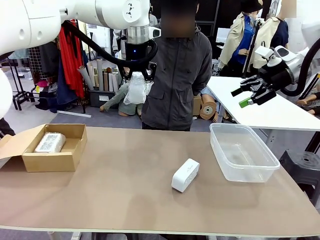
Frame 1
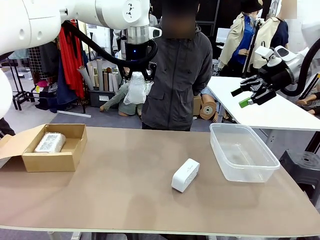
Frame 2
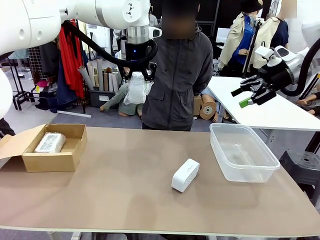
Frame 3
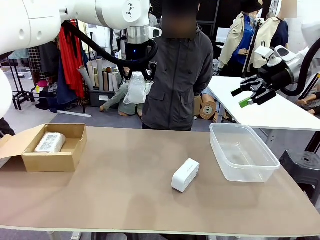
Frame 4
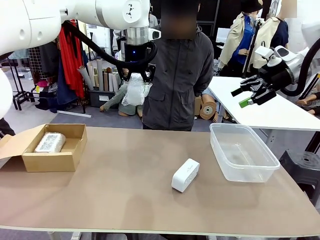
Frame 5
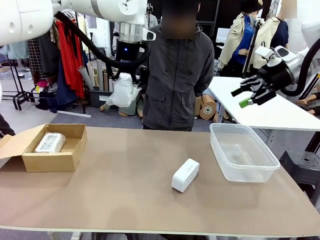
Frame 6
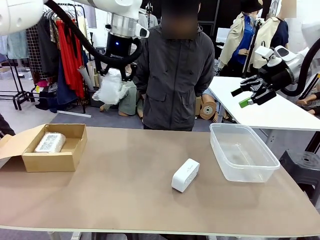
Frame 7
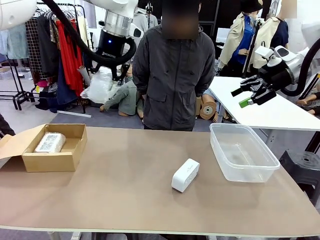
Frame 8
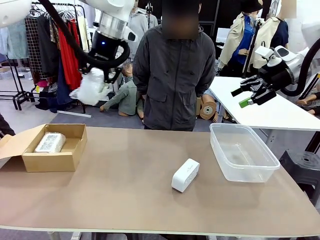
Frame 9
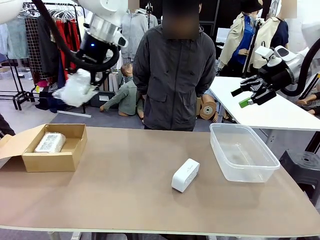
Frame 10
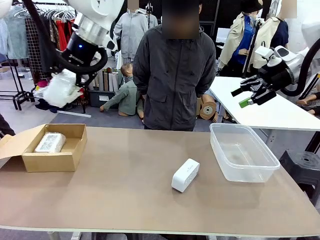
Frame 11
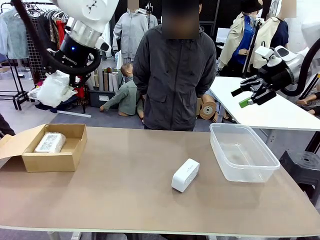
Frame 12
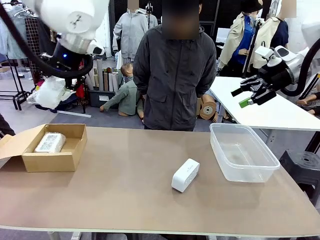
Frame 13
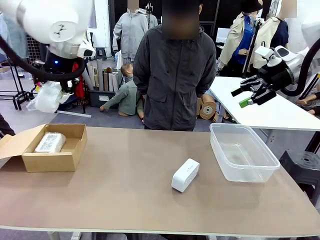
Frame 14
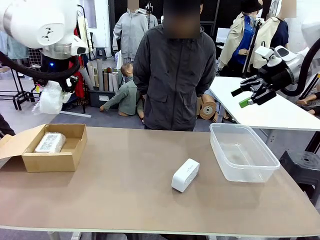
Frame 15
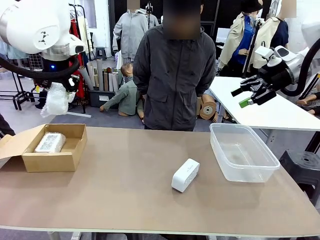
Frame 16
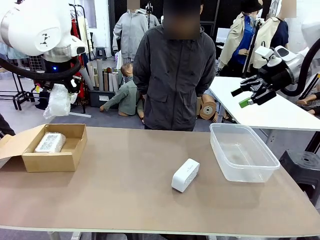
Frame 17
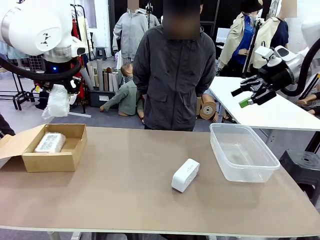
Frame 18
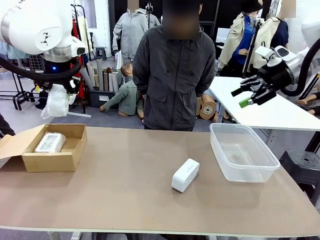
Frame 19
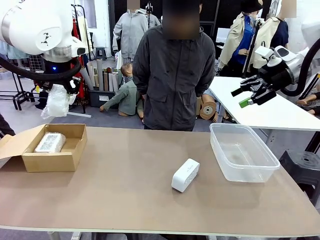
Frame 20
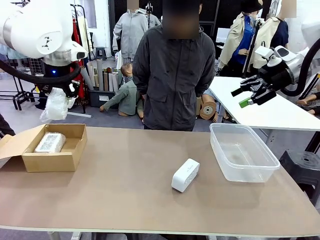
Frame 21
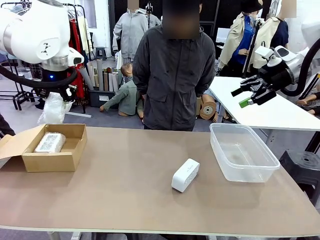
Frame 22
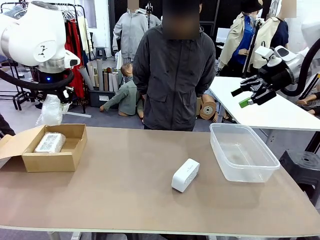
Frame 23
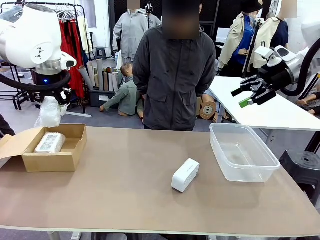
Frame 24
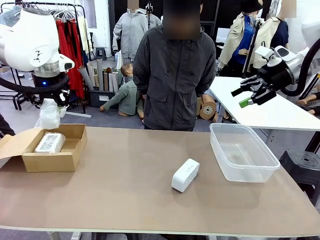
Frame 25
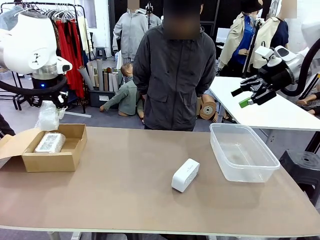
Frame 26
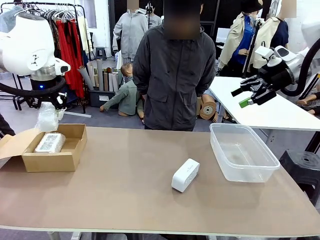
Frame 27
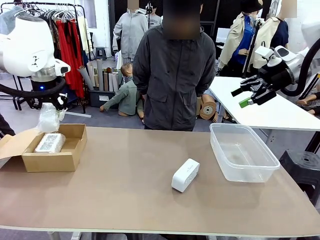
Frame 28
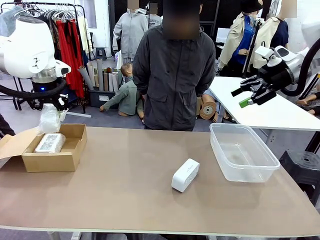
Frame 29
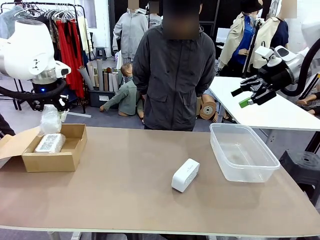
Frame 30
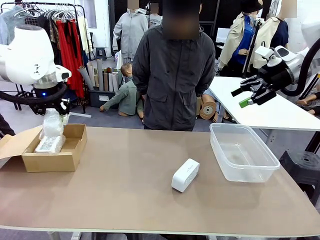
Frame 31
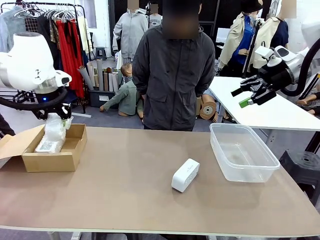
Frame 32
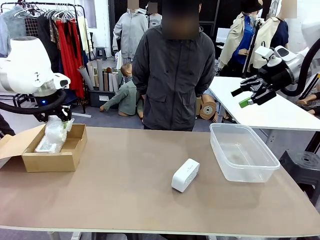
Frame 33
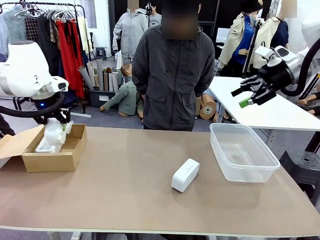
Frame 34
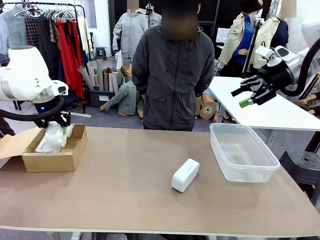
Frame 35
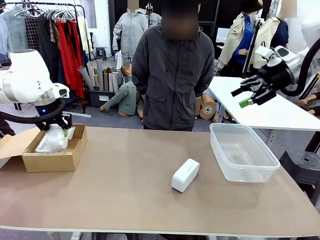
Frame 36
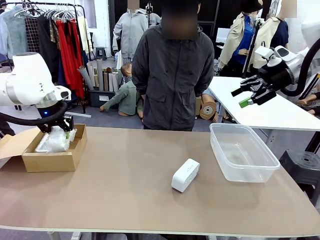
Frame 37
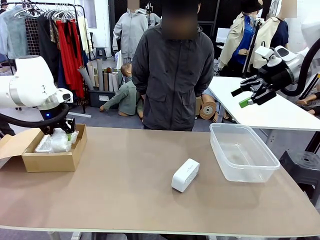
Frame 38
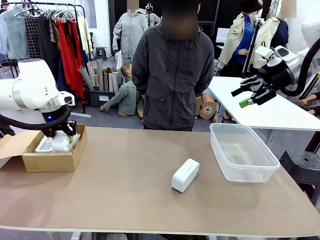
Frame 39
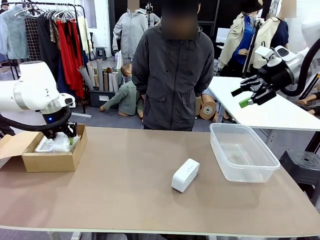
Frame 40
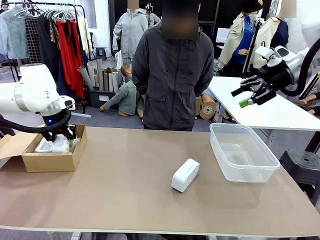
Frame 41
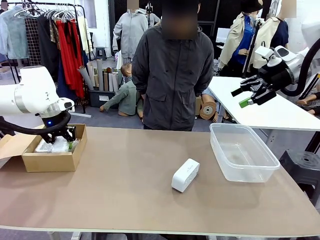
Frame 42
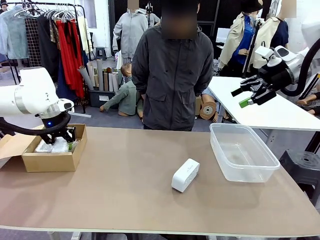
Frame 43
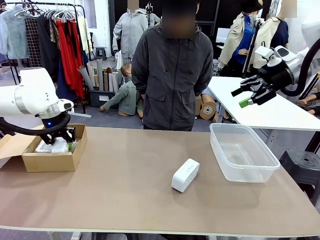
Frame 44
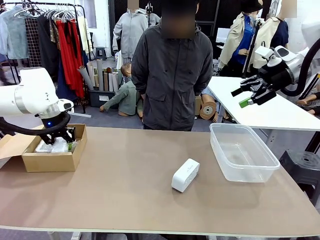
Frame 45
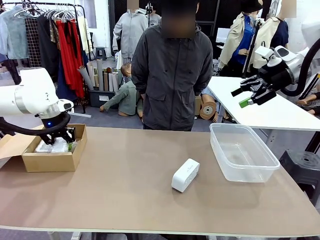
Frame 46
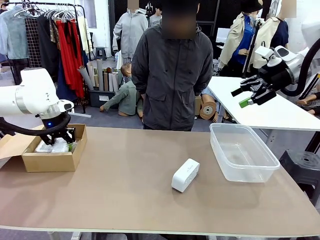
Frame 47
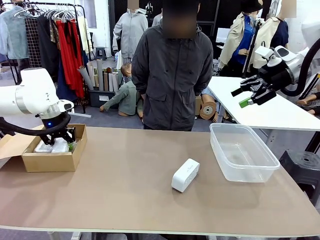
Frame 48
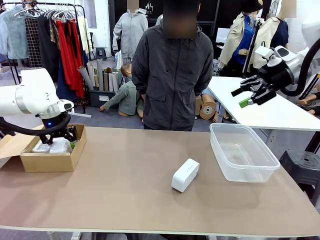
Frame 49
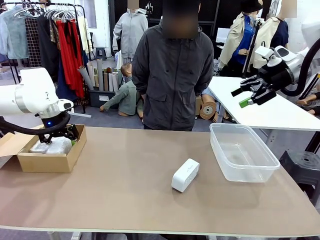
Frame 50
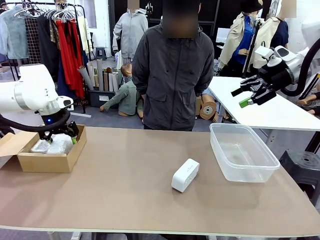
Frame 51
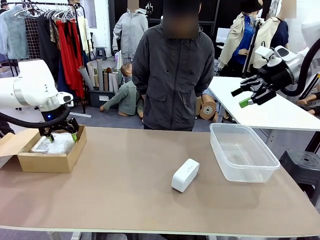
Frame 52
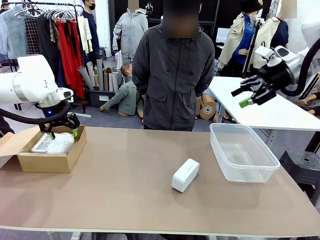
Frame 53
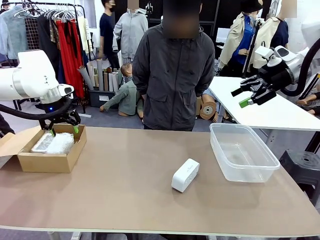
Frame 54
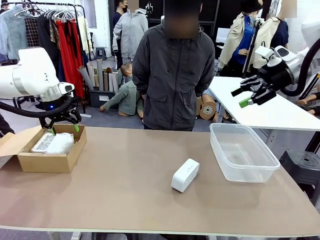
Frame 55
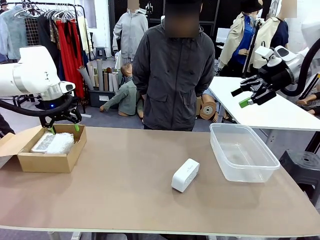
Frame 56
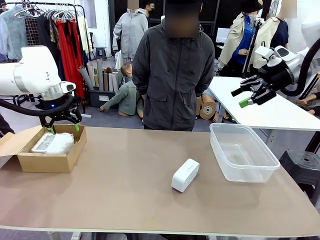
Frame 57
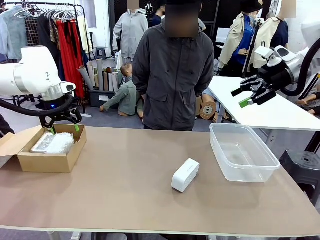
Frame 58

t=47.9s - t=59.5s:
Task: Separate and place wrapped and unwrapped clocks.
Robot: If the picked Digital clock is wrapped, place it in the Package Box ; if not, place it in the Organizing box.

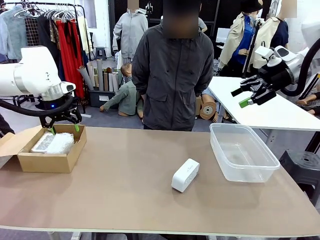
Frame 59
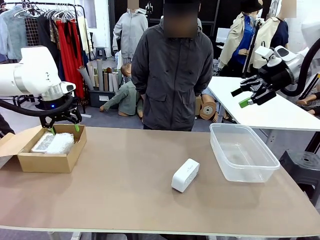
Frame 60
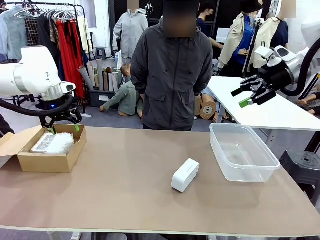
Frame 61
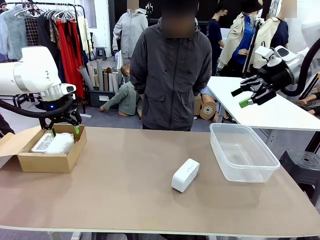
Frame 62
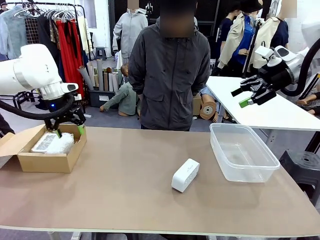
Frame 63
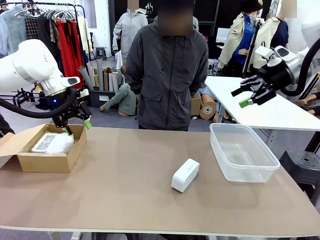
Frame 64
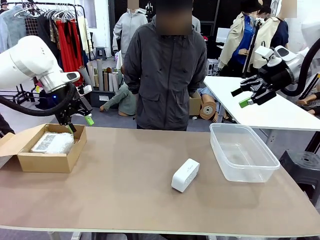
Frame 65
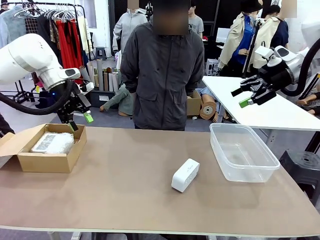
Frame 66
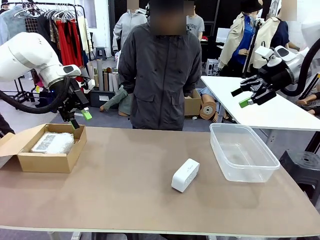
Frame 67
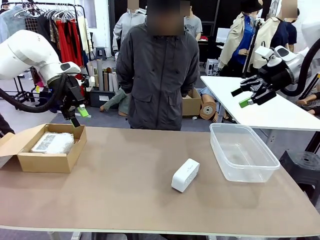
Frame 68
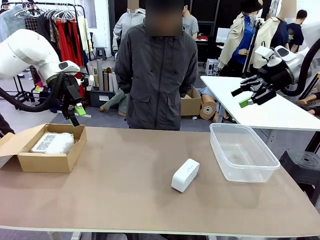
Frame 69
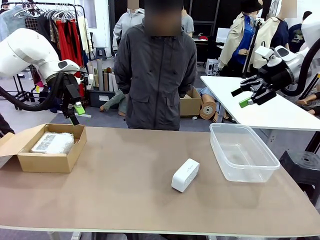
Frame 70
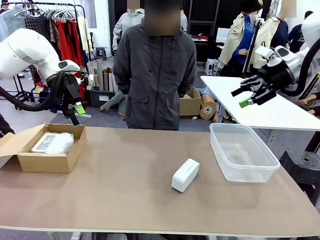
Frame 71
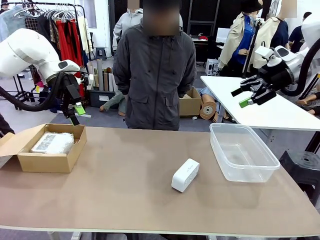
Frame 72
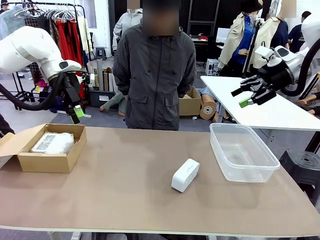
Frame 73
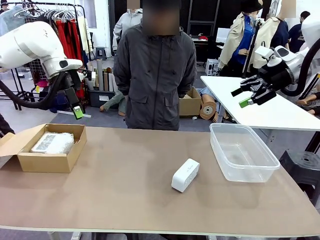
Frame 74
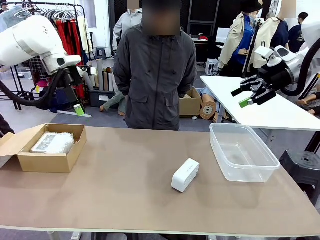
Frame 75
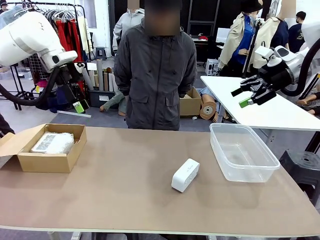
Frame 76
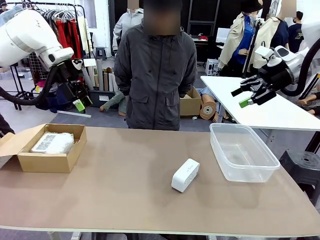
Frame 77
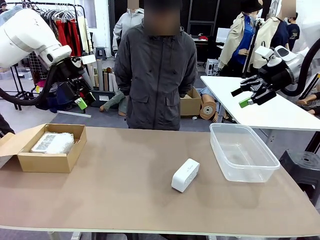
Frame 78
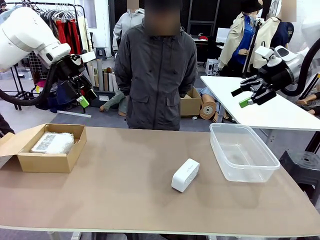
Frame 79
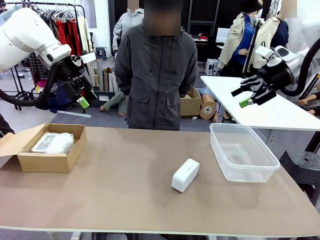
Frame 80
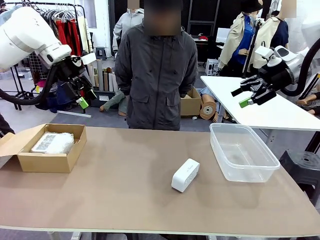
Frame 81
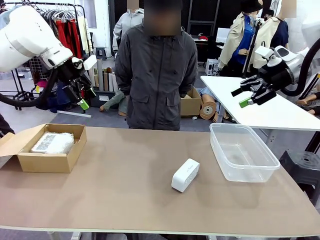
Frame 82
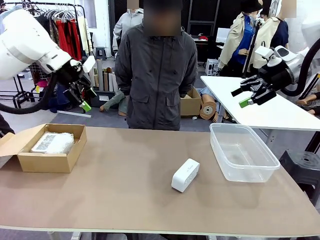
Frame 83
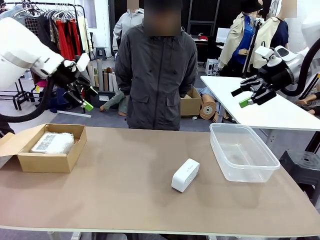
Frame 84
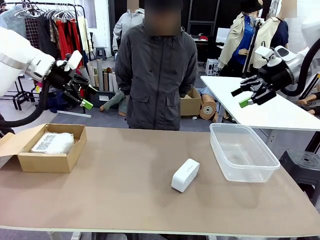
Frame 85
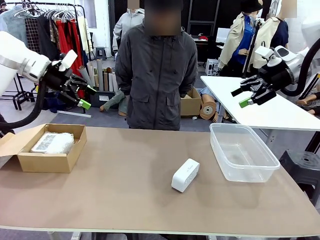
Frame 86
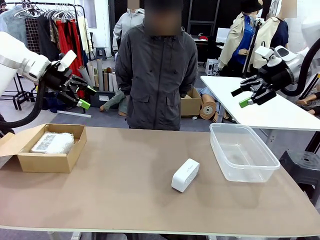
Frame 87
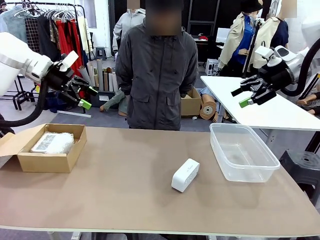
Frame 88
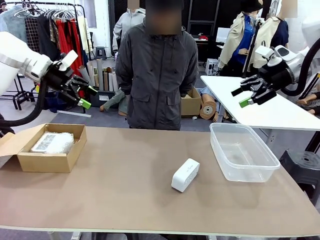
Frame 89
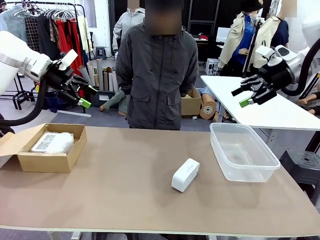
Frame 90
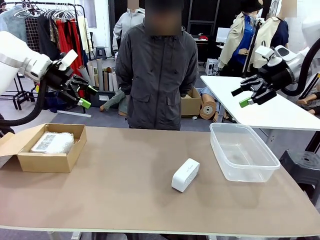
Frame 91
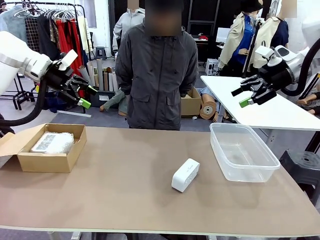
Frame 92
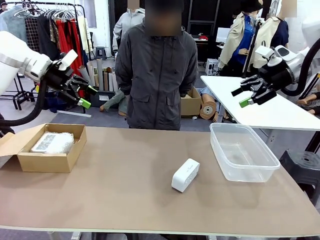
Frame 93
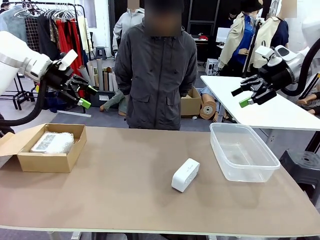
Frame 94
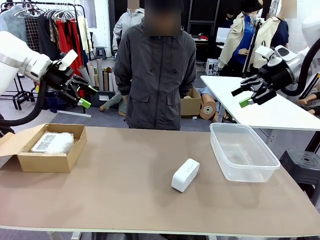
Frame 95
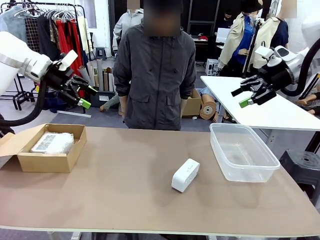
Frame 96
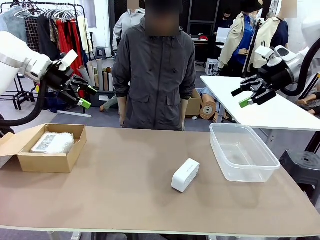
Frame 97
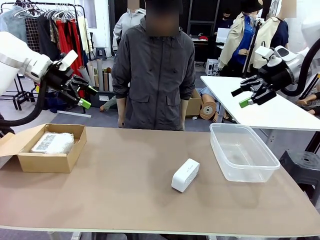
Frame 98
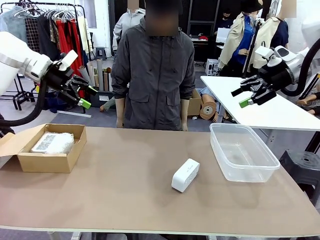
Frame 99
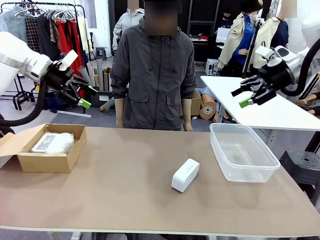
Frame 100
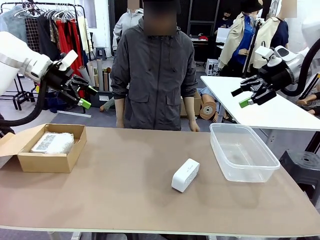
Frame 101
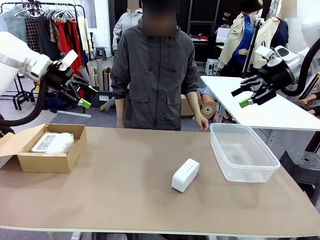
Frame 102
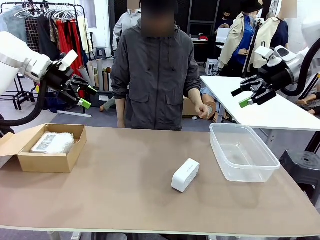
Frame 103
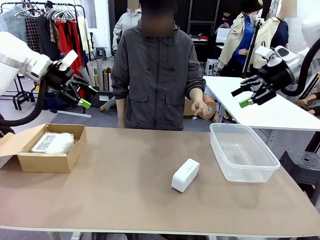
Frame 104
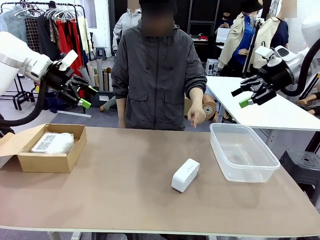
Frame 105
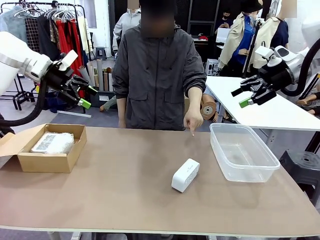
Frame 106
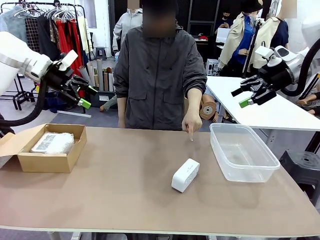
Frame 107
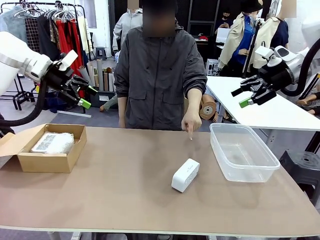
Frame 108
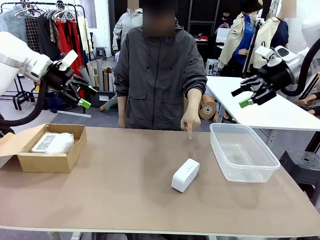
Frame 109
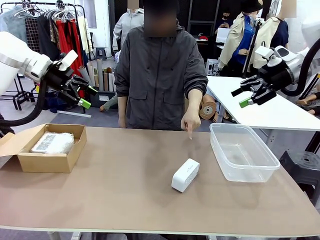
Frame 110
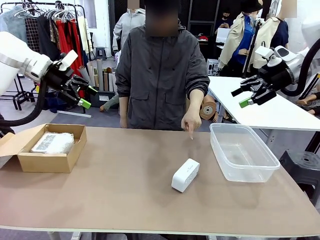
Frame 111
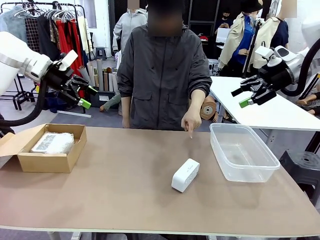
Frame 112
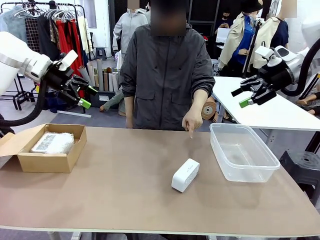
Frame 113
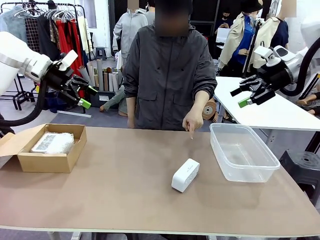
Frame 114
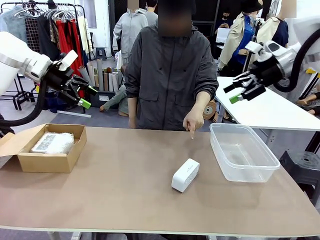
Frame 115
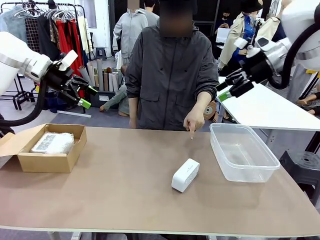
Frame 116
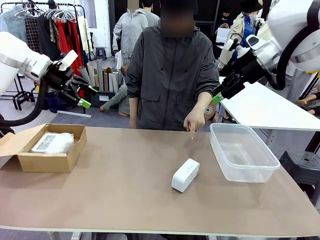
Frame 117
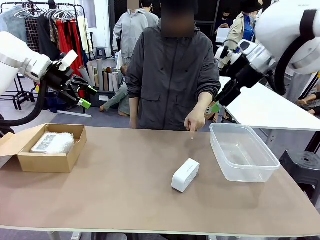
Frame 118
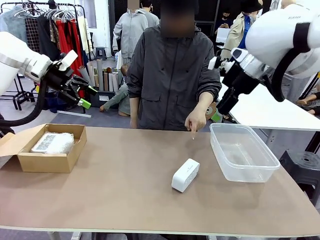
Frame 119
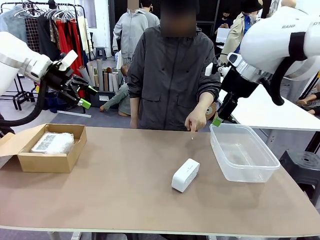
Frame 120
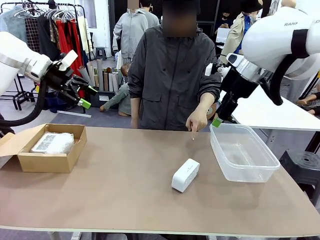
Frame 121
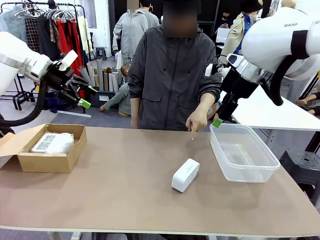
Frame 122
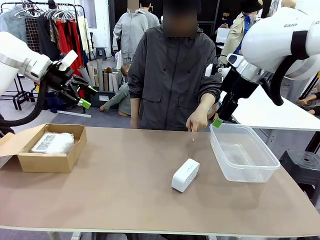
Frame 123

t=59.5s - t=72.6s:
Robot: Pick up the Digital clock indicated by the person.
